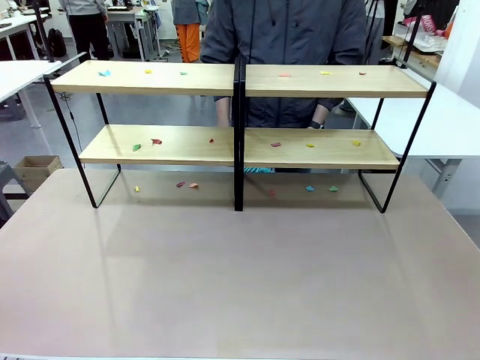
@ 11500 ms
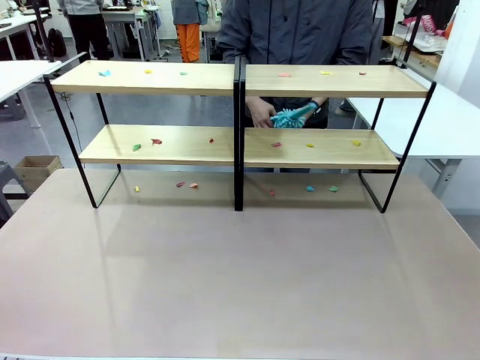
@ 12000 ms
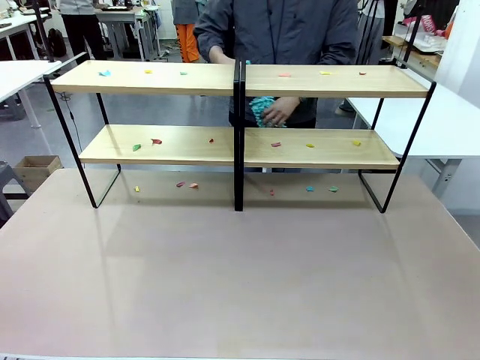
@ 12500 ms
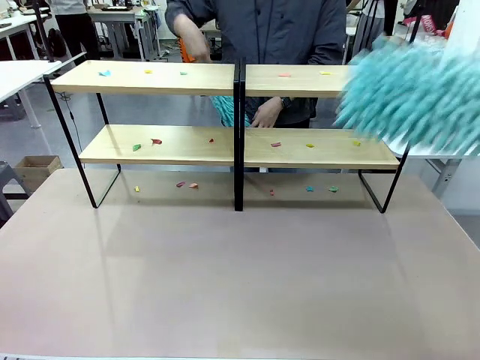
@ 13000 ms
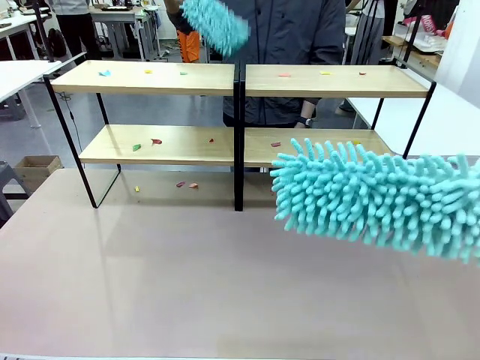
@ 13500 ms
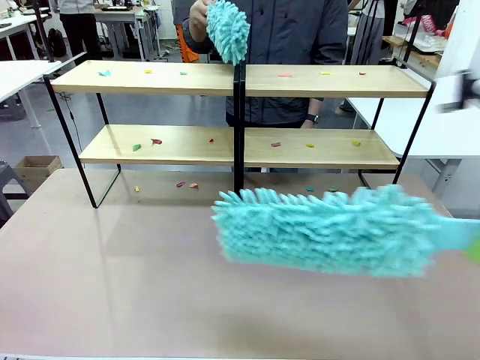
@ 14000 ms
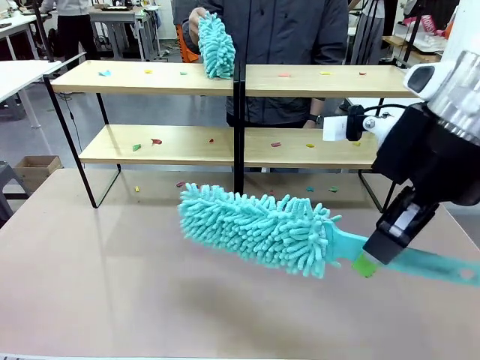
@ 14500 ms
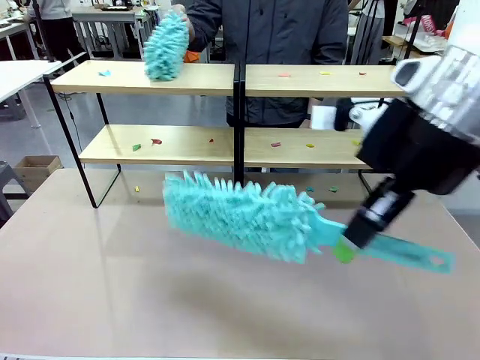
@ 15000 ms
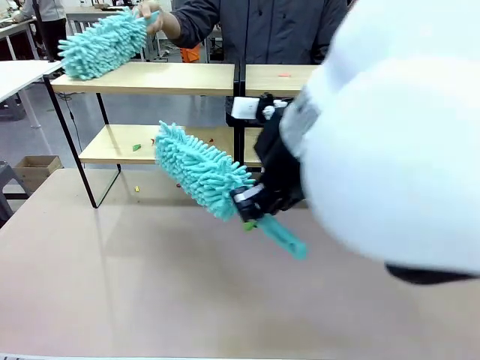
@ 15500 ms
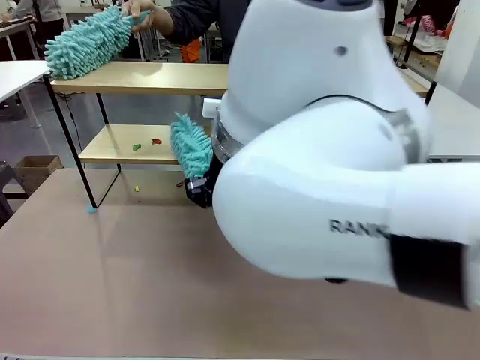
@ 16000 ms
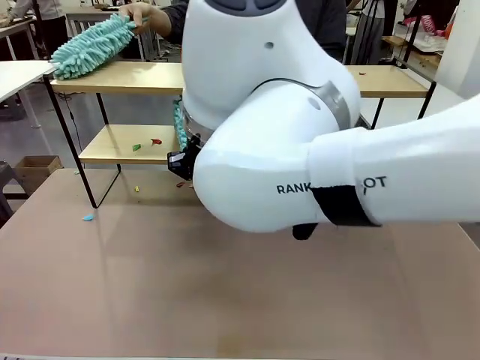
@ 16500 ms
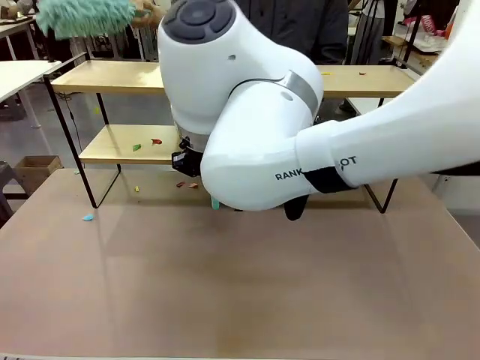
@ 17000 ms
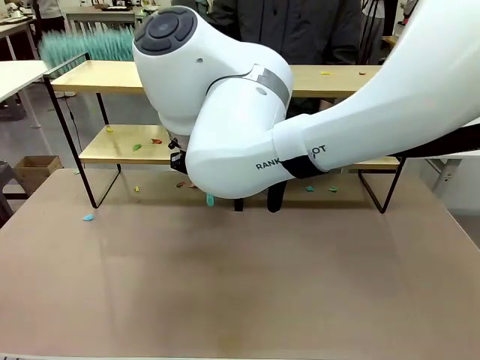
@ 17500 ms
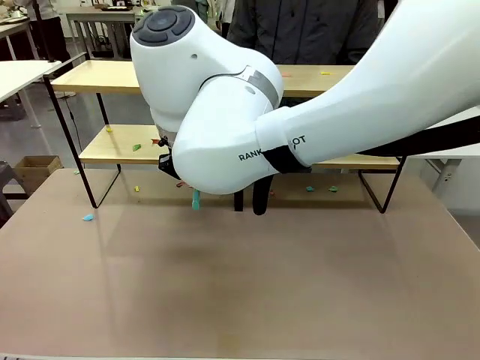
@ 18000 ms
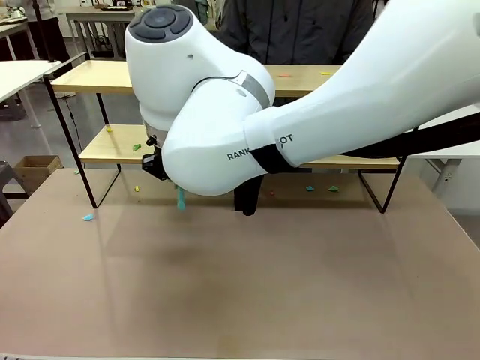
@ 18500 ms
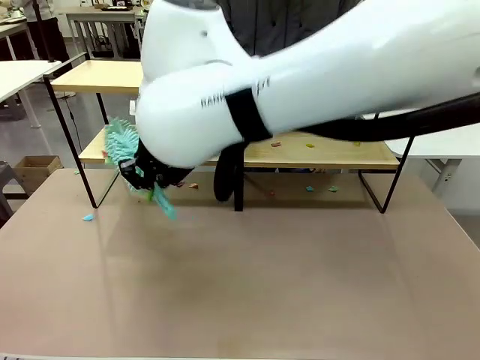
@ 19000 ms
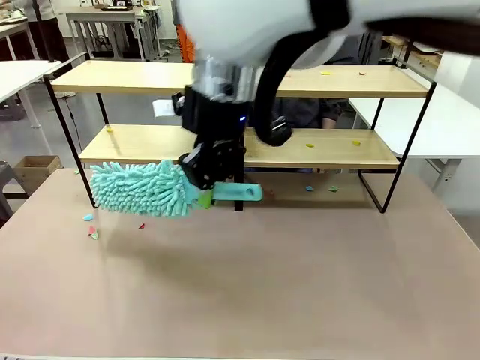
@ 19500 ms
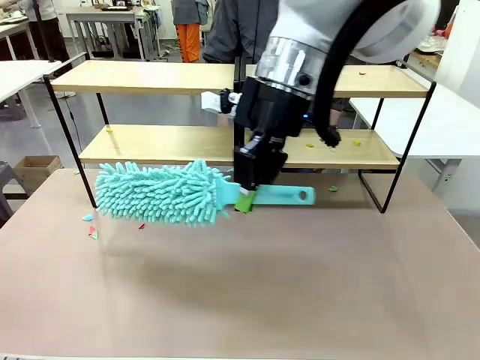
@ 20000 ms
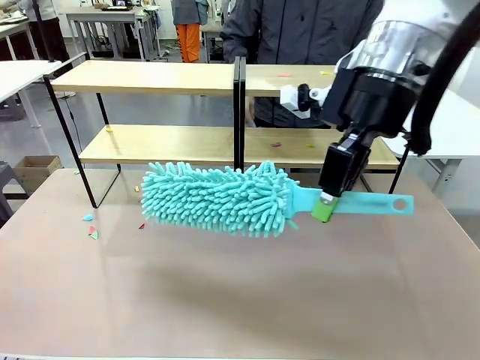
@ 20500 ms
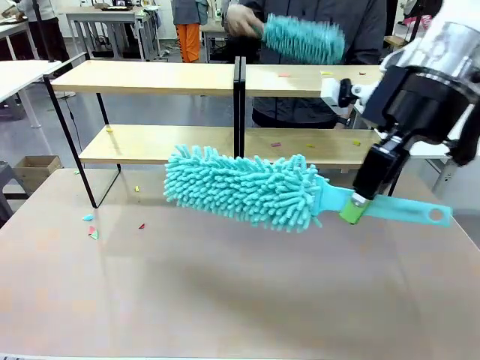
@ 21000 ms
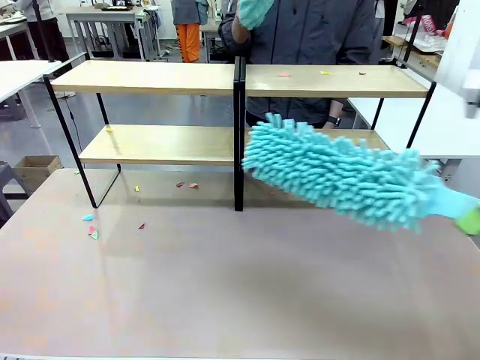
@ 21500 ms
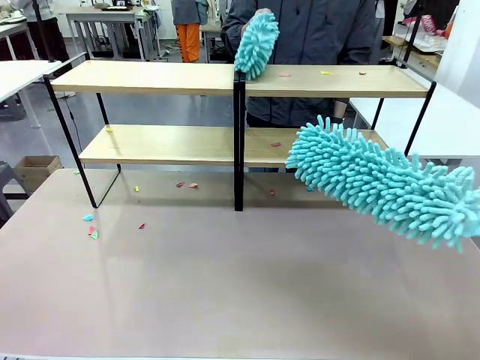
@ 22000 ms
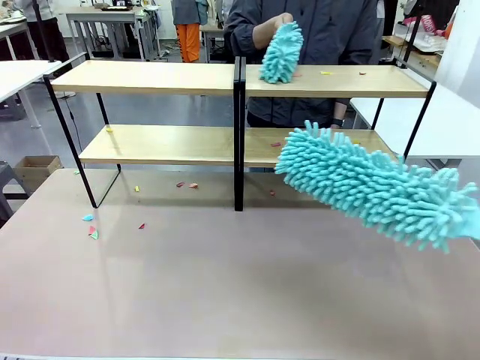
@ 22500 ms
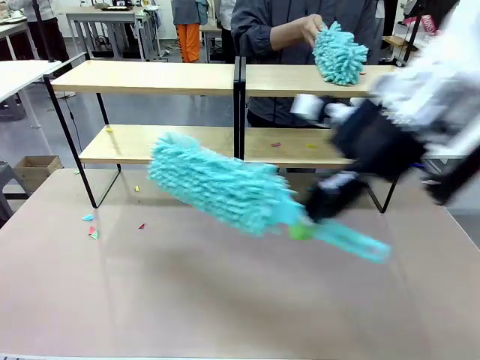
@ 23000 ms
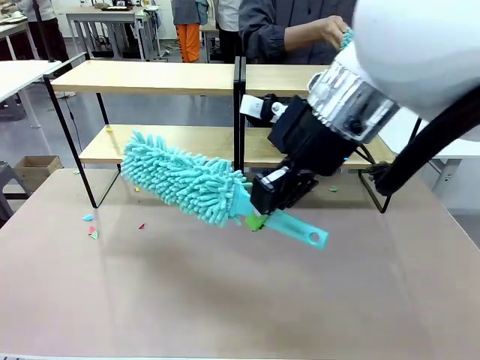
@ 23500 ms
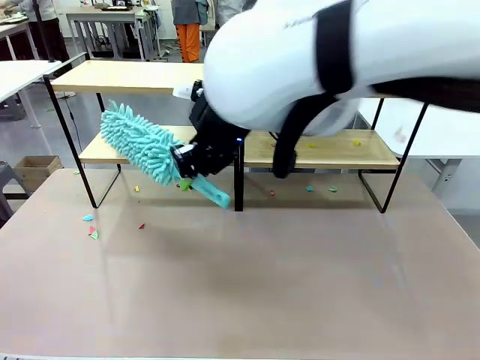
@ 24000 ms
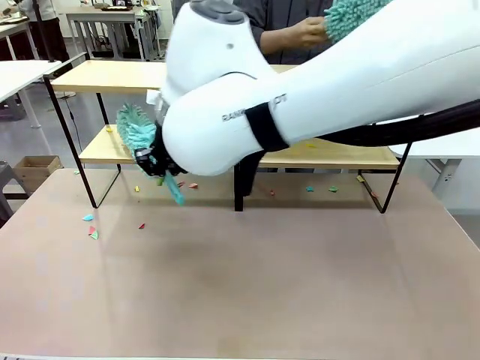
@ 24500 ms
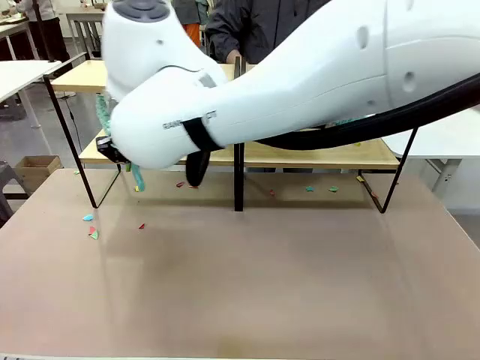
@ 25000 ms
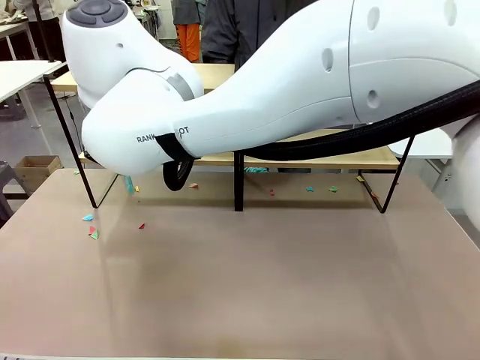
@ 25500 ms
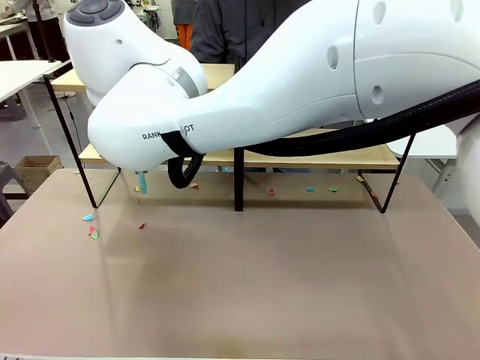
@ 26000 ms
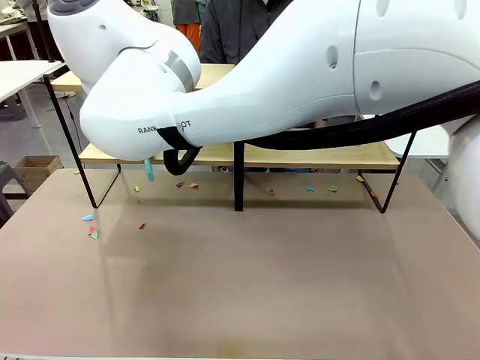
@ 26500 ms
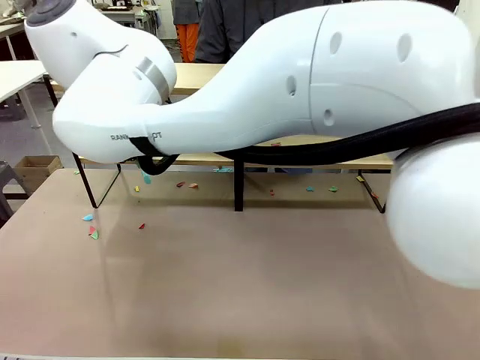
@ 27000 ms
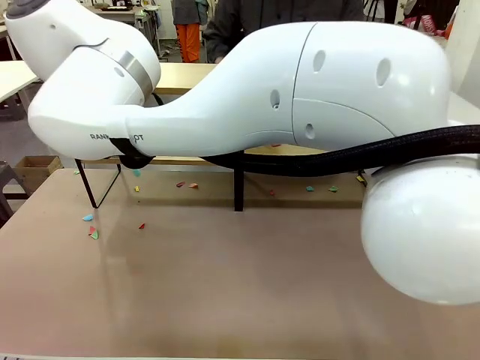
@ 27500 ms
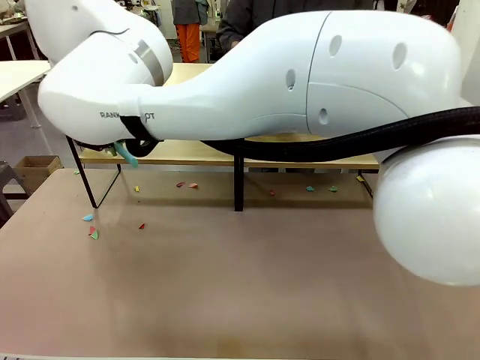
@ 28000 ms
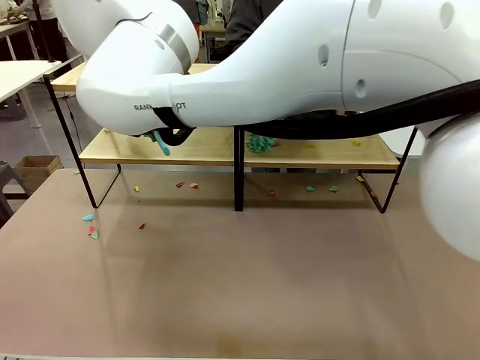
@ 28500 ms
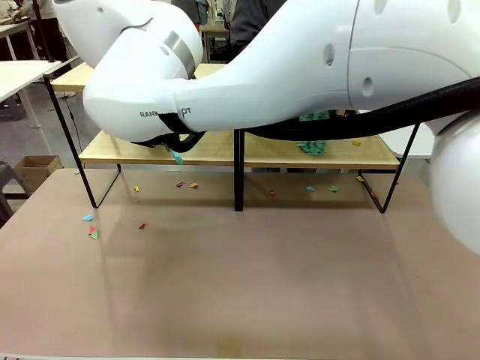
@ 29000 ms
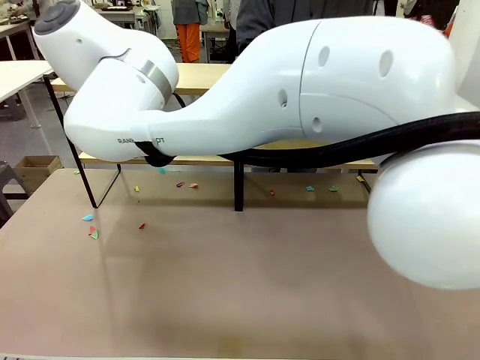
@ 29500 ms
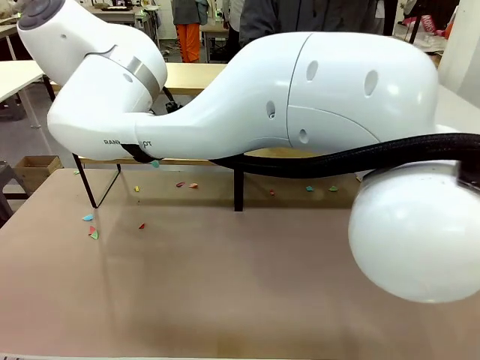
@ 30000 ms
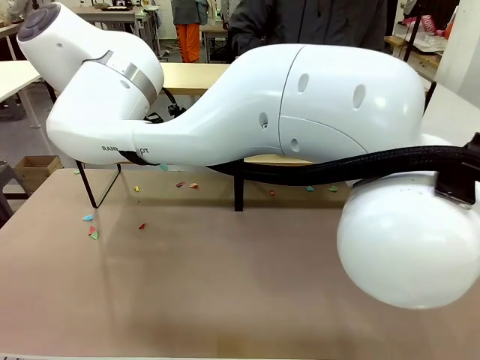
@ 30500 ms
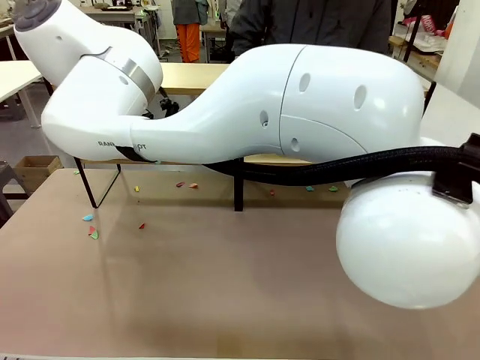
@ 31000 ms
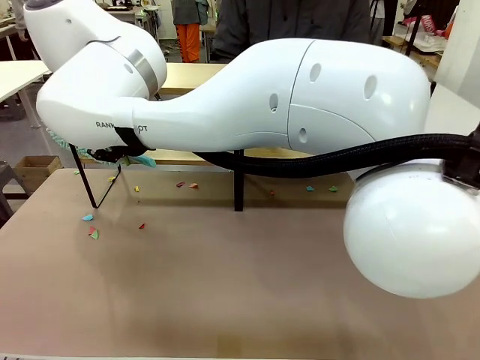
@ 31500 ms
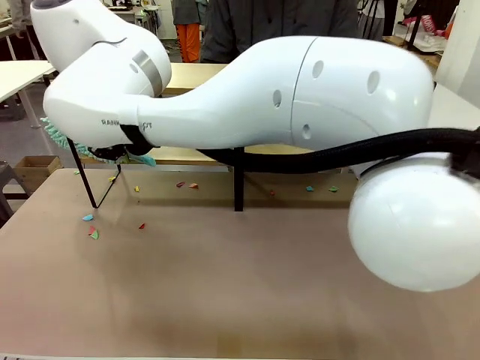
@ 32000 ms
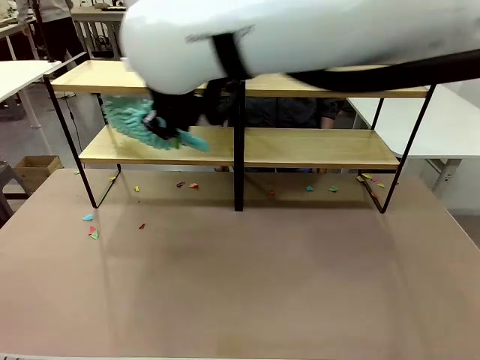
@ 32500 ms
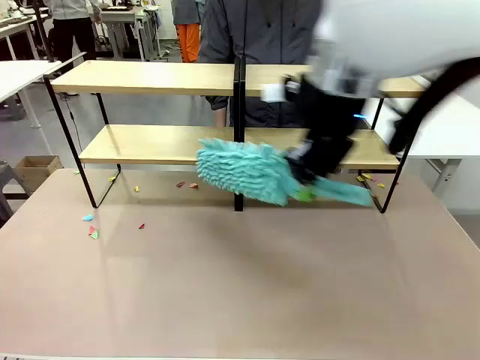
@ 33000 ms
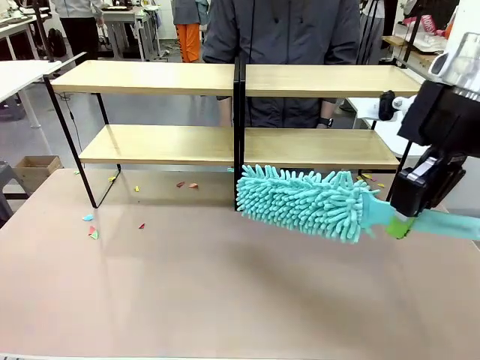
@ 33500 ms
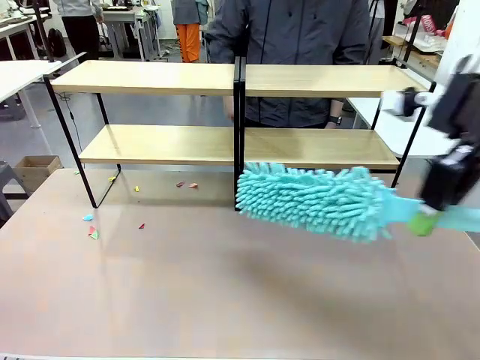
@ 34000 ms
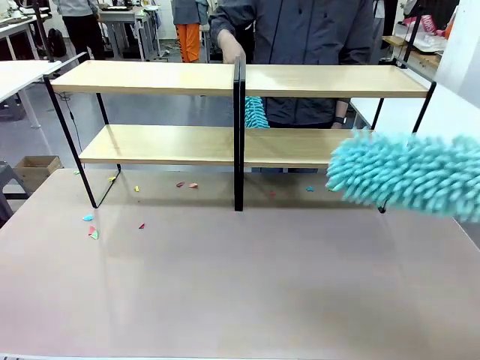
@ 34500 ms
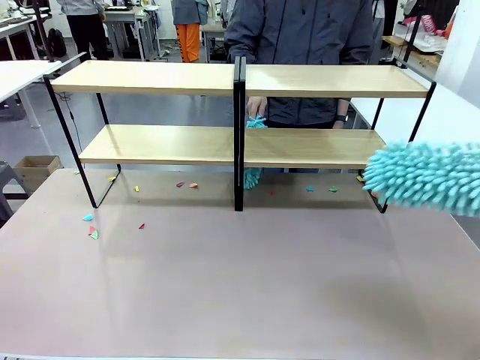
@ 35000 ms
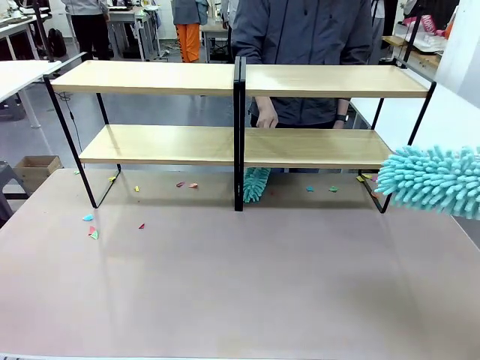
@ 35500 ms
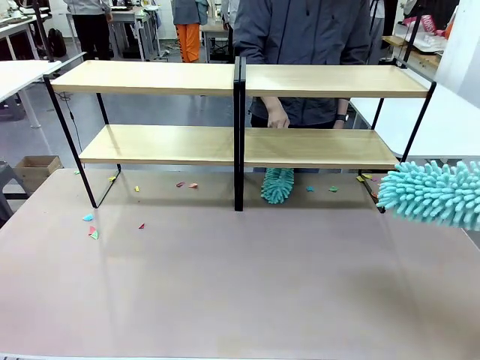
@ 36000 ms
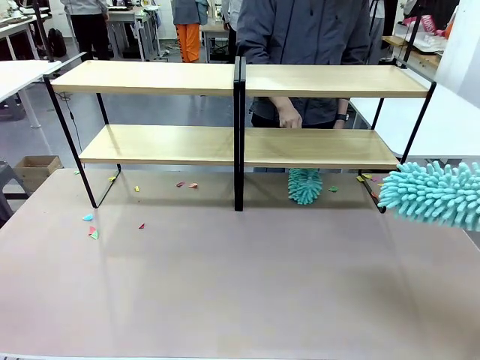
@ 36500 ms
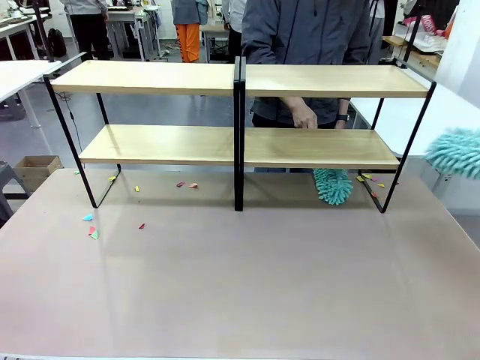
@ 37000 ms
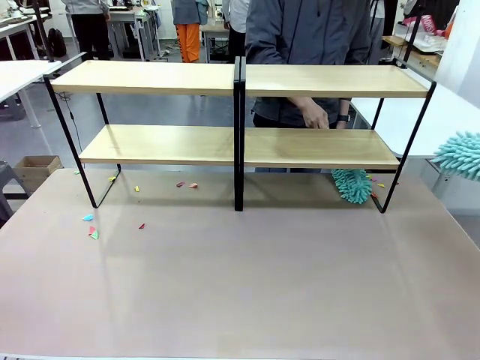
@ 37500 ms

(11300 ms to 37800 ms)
Task: Clean the shelves.
Robot: Clean a randomly selected level of the Shelf with the Duster.
Person: Clean a randomly selected level of the Shelf with the Duster.
